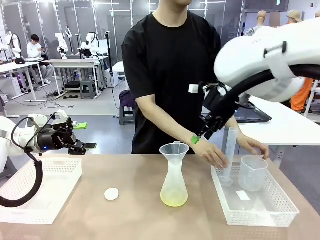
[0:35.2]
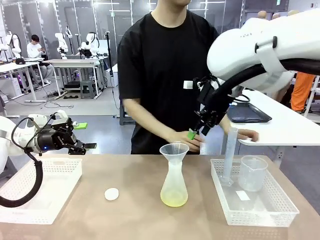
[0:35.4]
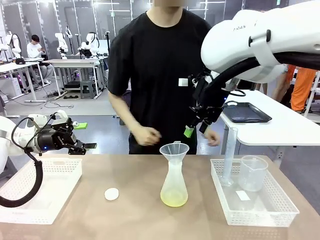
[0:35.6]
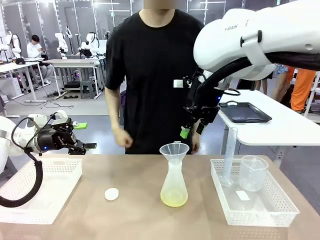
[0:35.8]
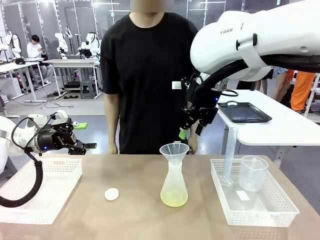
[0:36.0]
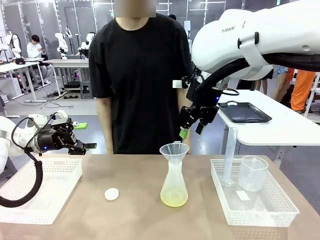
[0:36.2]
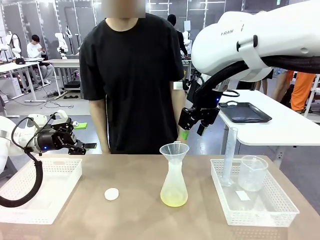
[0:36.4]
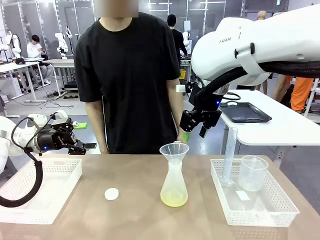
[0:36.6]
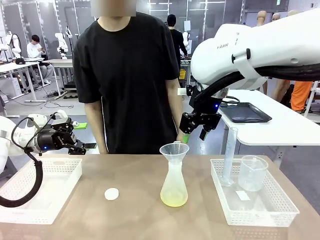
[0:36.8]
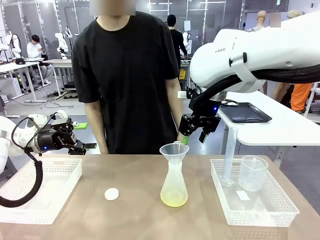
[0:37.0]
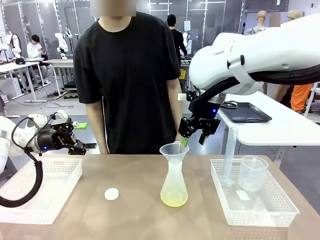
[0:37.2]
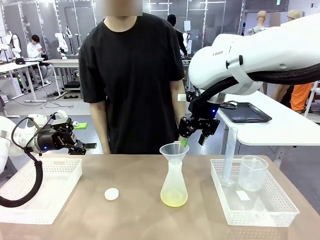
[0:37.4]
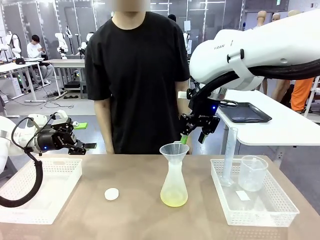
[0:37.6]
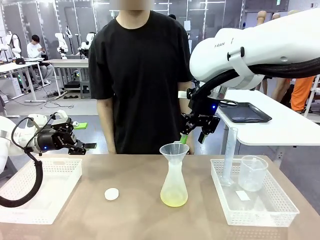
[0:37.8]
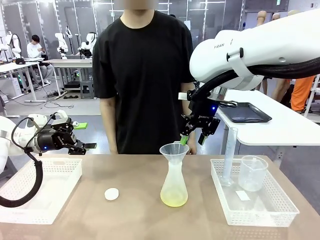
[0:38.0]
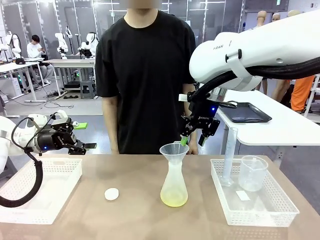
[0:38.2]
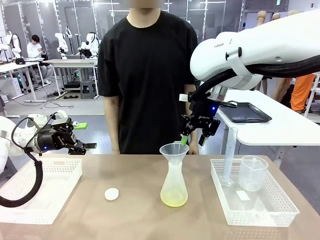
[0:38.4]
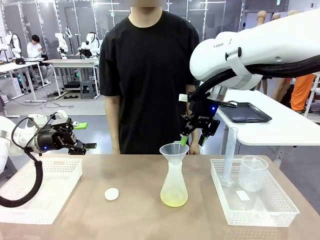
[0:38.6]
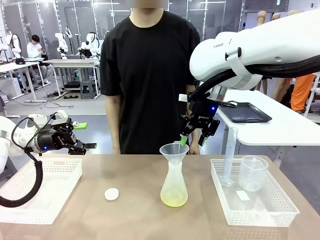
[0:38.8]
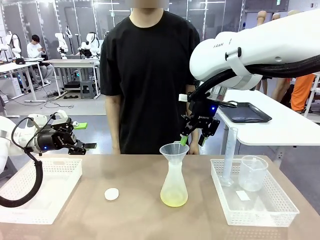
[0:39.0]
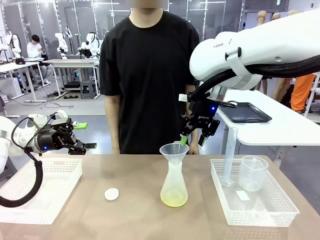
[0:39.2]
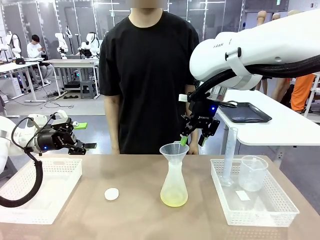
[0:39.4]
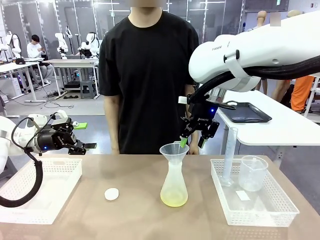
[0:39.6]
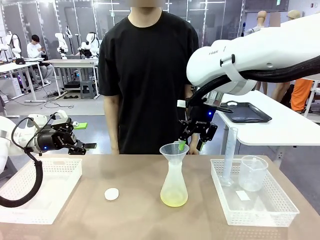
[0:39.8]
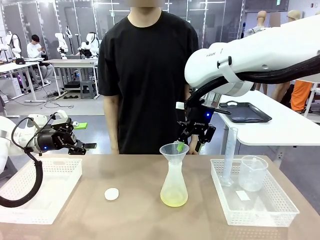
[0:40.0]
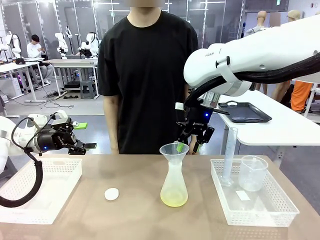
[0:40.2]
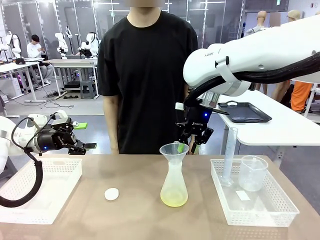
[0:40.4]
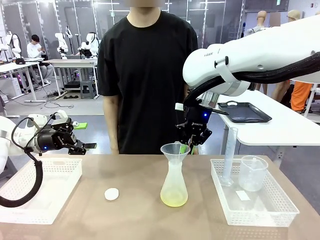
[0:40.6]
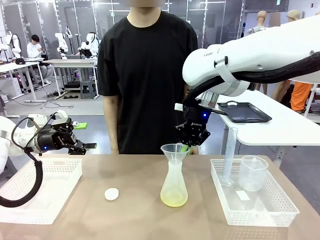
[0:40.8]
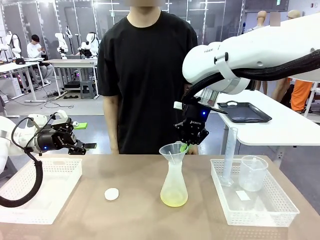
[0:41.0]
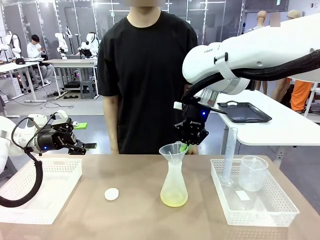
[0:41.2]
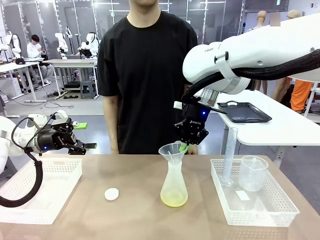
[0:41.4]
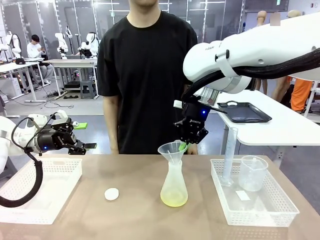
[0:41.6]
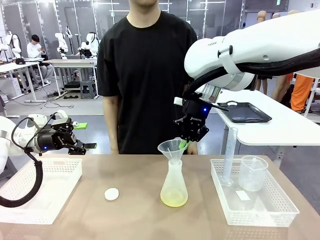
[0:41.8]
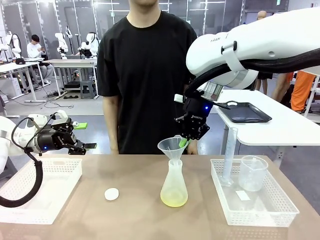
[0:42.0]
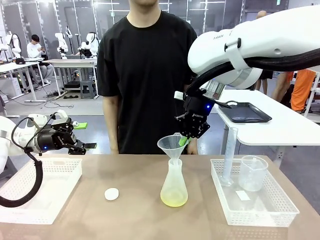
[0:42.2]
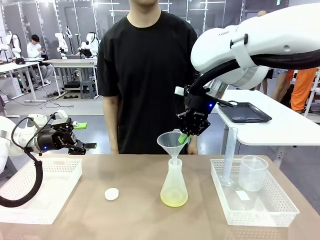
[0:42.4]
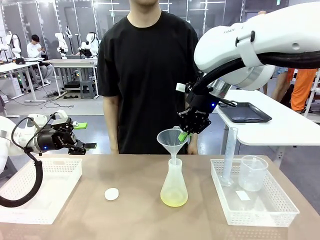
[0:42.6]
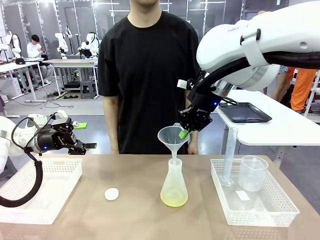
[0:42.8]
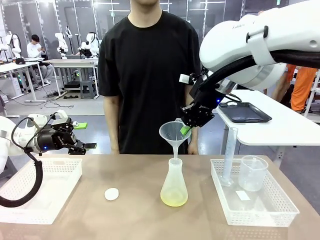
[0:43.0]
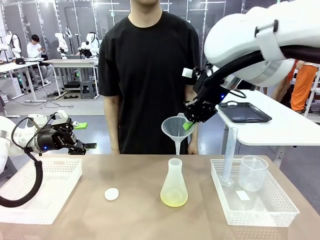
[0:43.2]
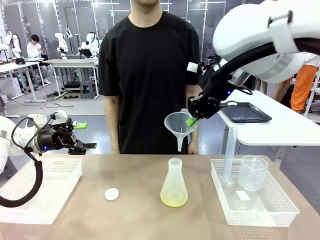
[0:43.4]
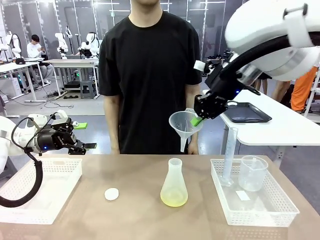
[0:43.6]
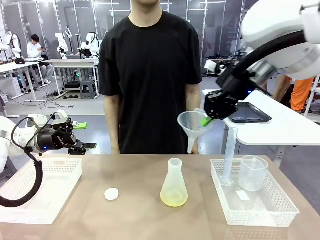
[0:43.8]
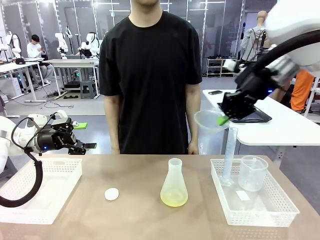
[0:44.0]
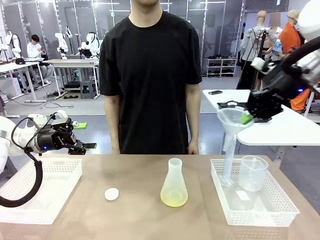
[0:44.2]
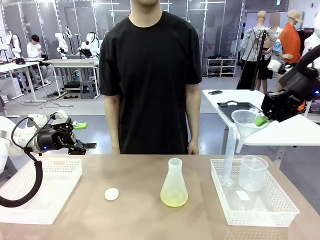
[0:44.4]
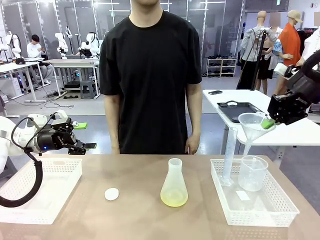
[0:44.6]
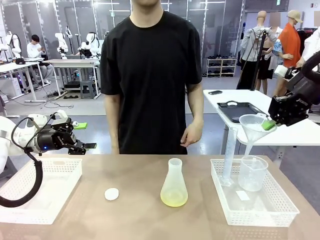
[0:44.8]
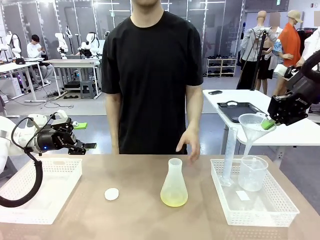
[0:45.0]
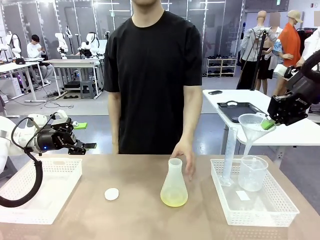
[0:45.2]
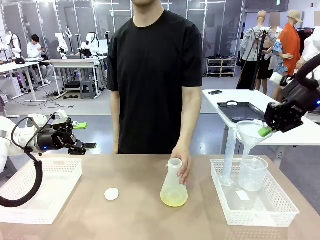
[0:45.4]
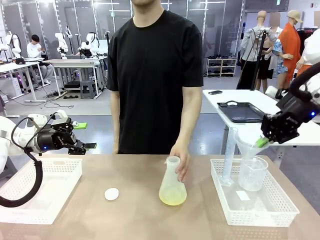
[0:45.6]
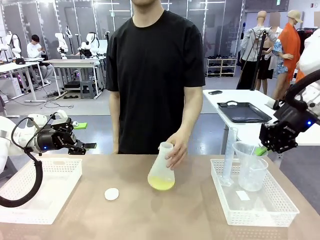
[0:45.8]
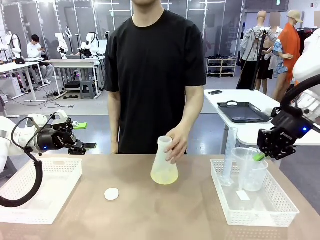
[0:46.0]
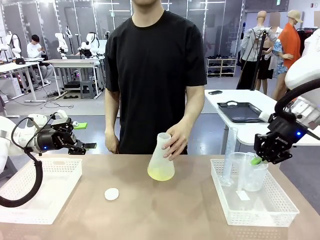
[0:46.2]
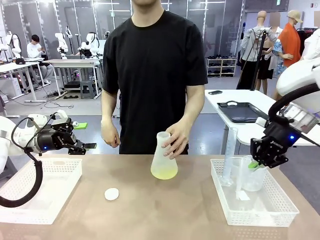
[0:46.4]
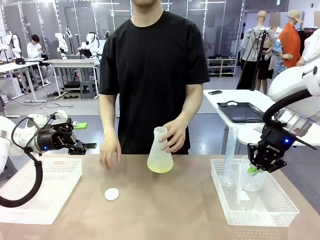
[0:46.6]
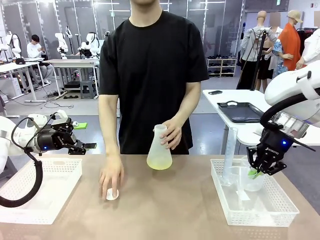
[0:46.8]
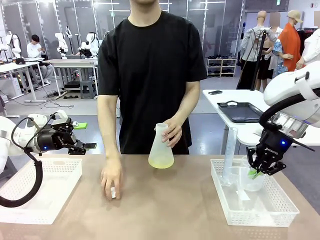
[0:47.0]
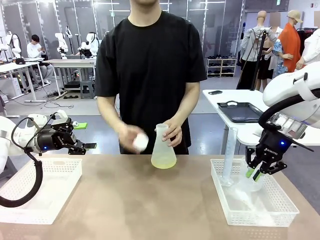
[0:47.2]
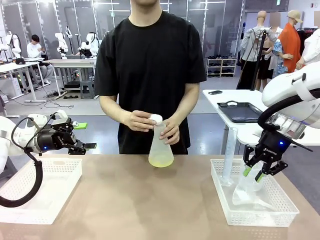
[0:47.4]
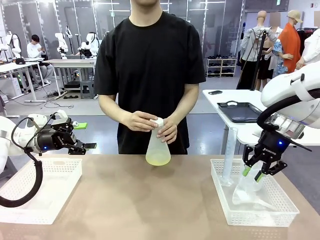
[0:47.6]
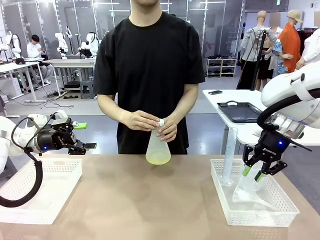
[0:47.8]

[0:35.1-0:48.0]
Task: Prepare the solutions needed for the experiment.
Robot: Once the solution is in the Big flask , pick up the Plastic Funnel and place it back into the right Organizing basket.
Person: Pick up the flask, gently shake it 2–3 times, place it in the middle of the robot table, and close the lid.

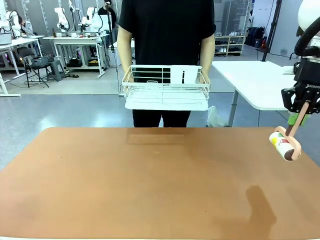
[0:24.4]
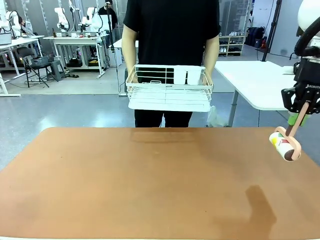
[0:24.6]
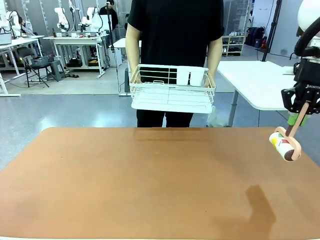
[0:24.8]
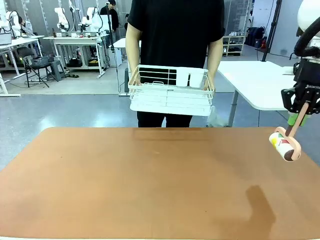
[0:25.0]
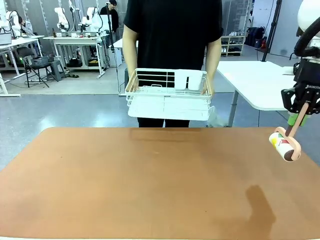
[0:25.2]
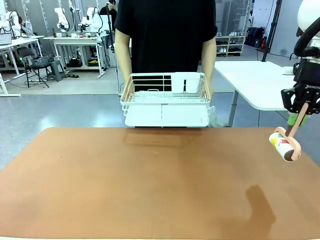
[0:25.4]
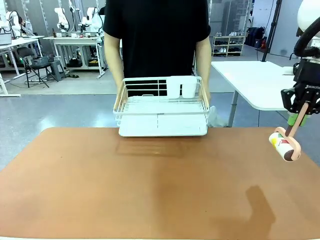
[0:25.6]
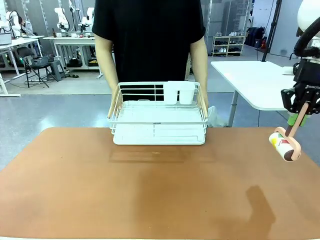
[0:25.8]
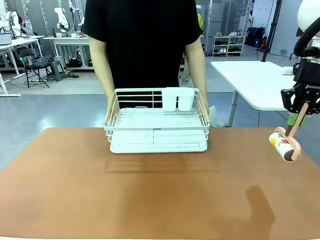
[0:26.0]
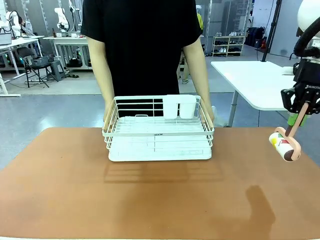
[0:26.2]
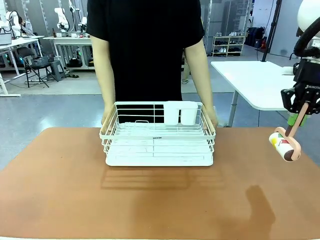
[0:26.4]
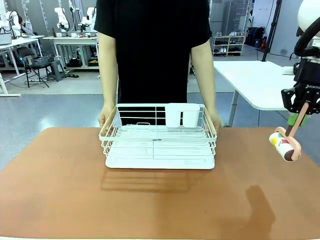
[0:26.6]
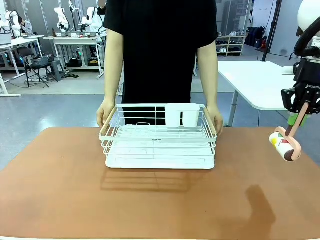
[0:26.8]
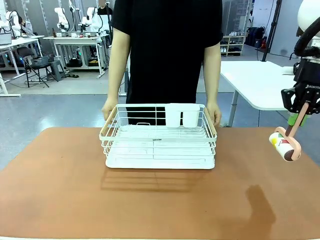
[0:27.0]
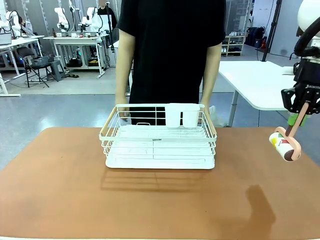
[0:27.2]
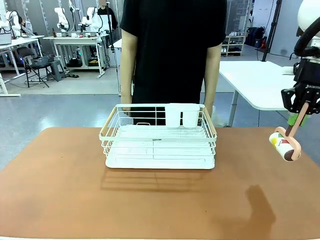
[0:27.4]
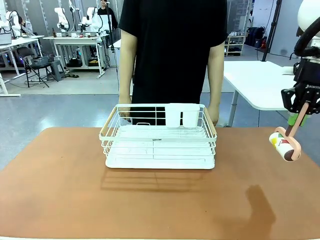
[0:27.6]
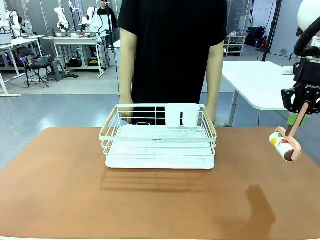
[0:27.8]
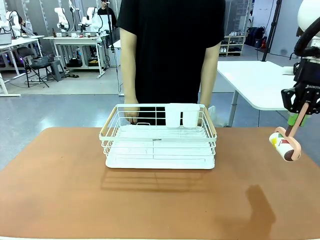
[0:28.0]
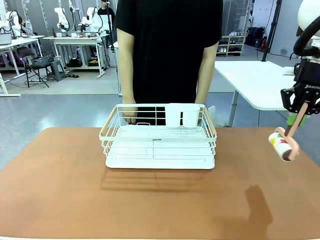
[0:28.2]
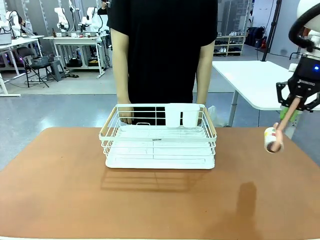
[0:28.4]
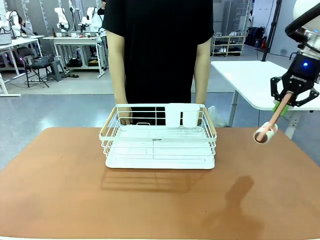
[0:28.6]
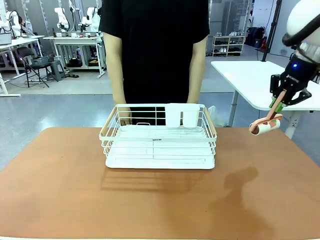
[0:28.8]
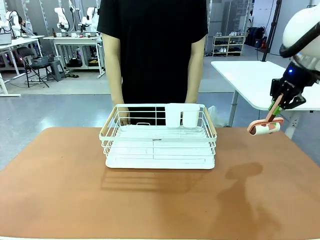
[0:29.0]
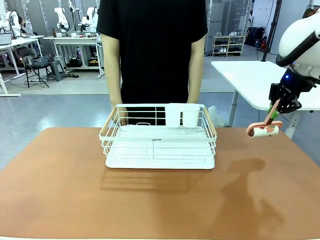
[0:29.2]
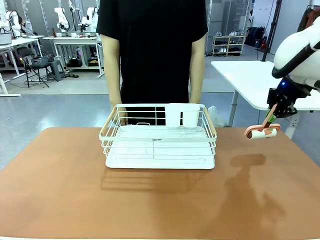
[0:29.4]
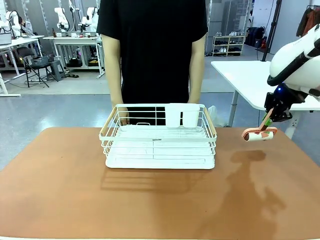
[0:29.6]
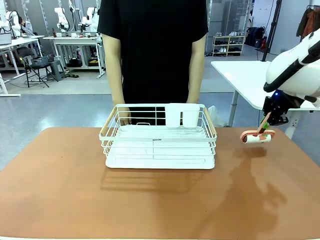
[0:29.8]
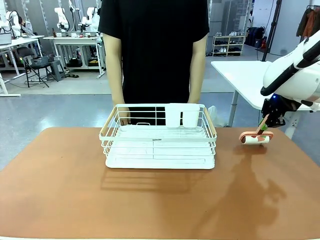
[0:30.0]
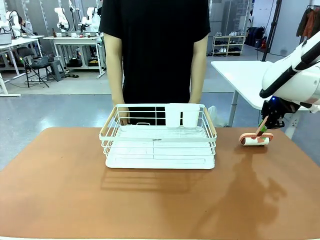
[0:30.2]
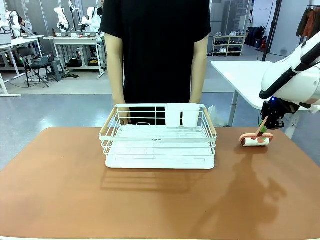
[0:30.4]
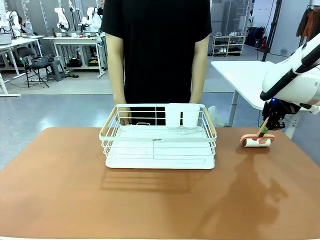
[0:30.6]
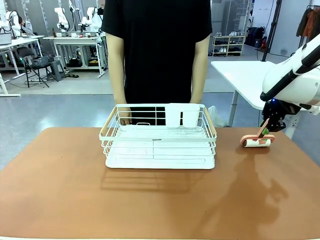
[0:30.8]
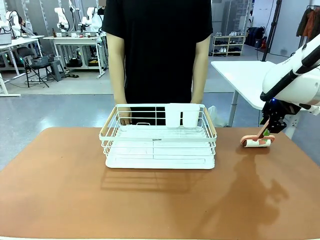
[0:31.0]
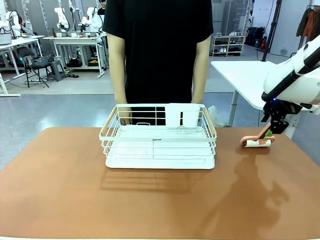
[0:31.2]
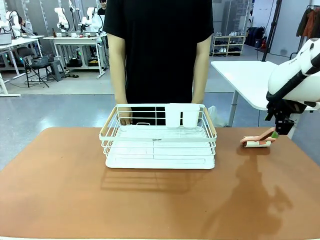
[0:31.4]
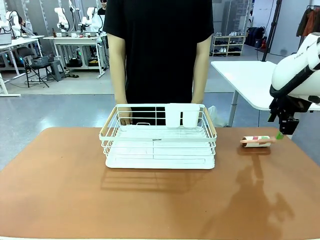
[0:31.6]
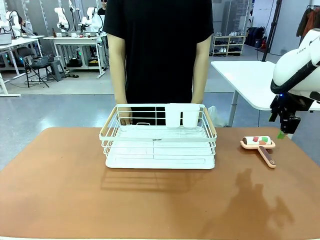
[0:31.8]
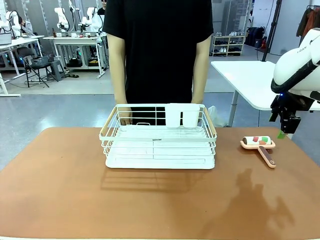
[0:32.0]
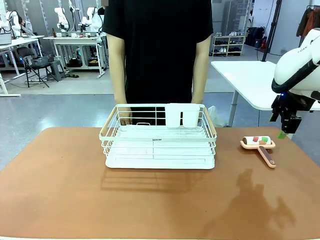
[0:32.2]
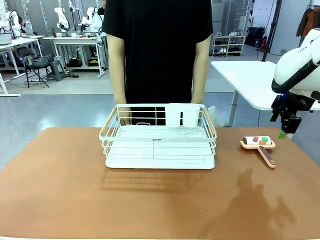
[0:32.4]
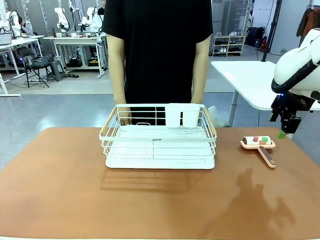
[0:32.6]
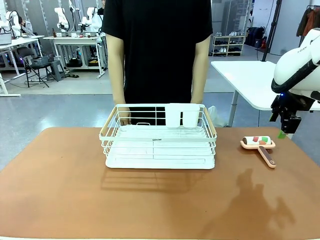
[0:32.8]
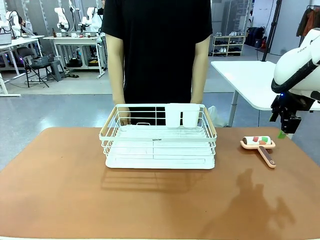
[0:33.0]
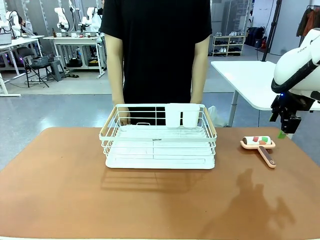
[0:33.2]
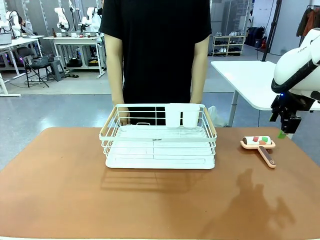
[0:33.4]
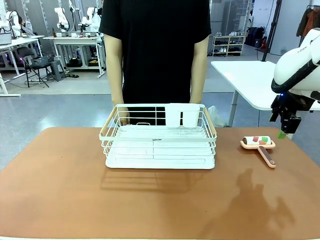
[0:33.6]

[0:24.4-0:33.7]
Task: Clean the table.
Robot: Place the Lint Roller down when the Dish drying rack is positioned in the middle of the table.
Person: Place the Dish drying rack down when the robot finishes cleaning.
